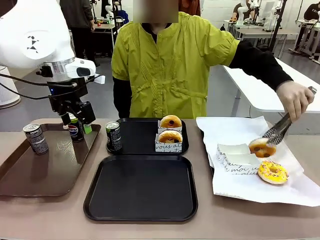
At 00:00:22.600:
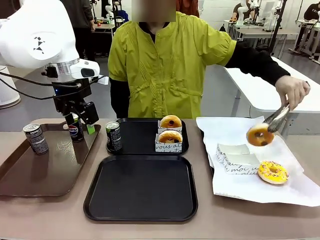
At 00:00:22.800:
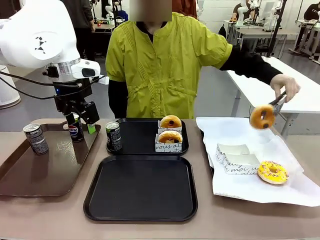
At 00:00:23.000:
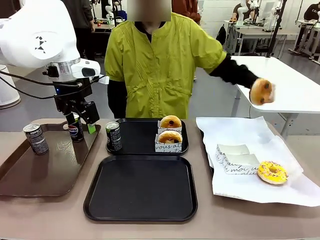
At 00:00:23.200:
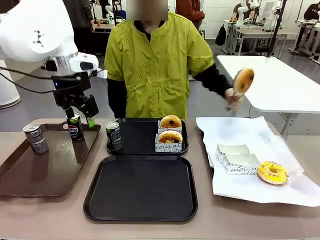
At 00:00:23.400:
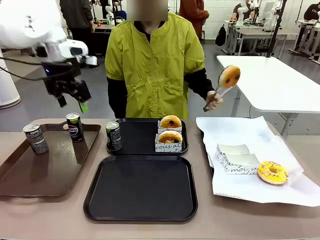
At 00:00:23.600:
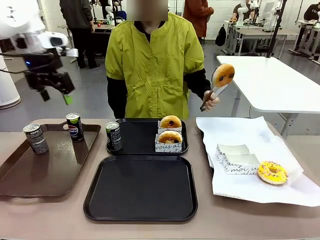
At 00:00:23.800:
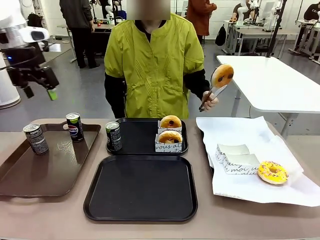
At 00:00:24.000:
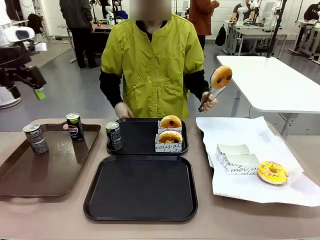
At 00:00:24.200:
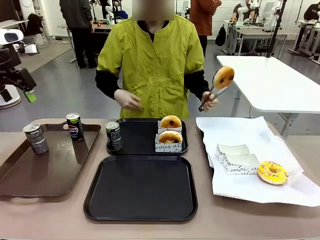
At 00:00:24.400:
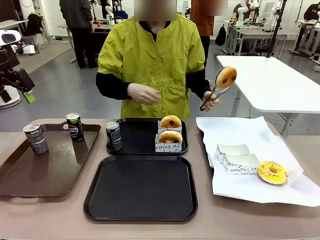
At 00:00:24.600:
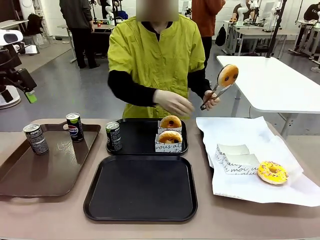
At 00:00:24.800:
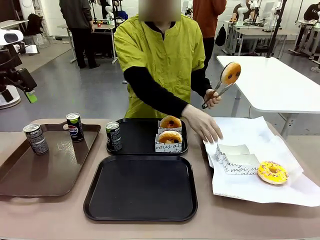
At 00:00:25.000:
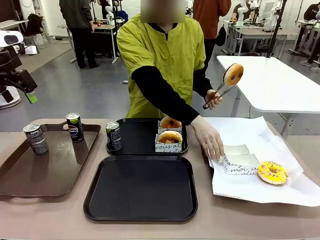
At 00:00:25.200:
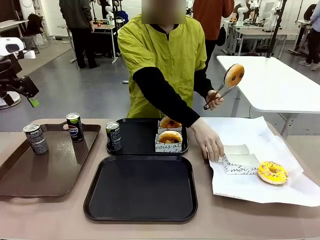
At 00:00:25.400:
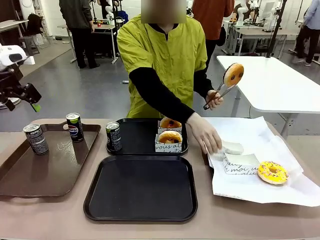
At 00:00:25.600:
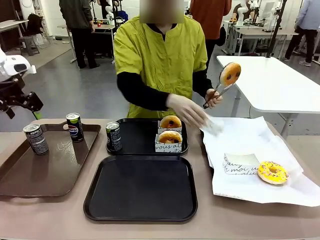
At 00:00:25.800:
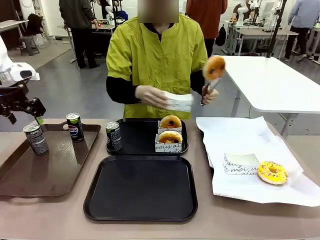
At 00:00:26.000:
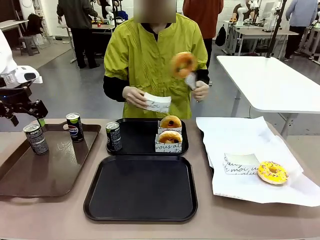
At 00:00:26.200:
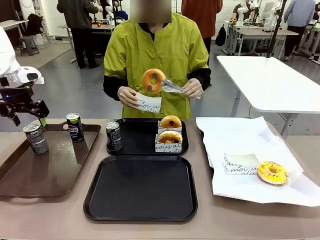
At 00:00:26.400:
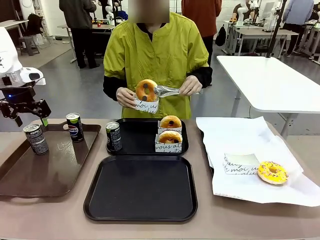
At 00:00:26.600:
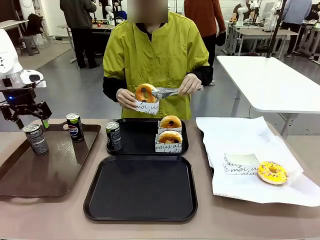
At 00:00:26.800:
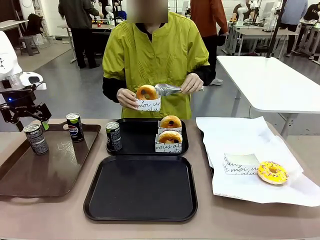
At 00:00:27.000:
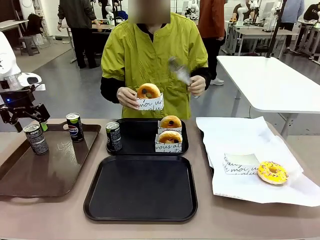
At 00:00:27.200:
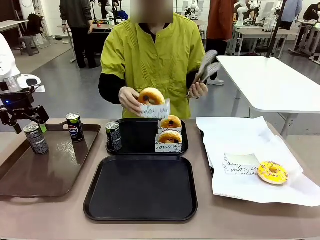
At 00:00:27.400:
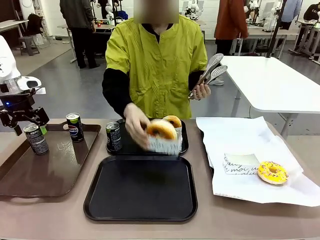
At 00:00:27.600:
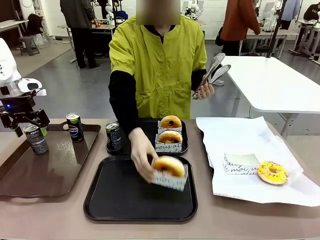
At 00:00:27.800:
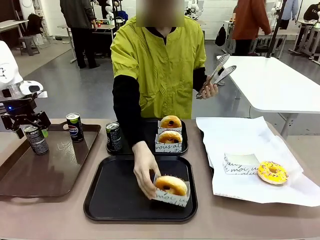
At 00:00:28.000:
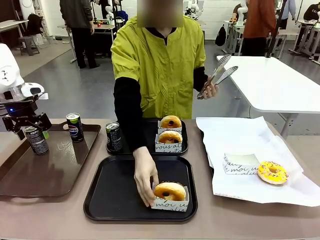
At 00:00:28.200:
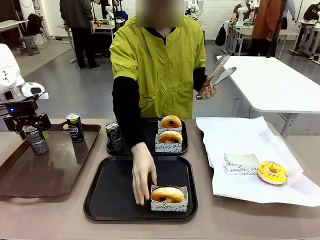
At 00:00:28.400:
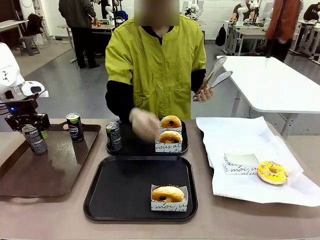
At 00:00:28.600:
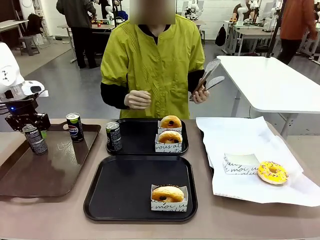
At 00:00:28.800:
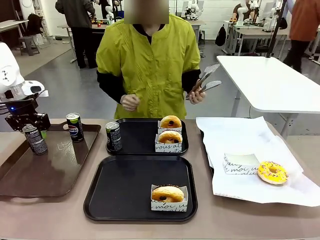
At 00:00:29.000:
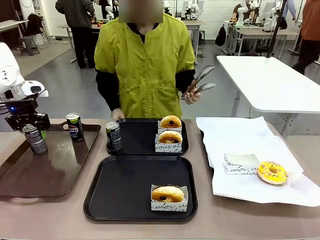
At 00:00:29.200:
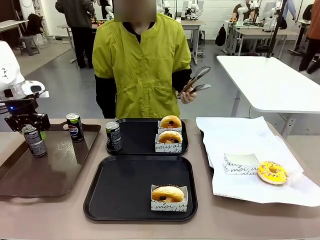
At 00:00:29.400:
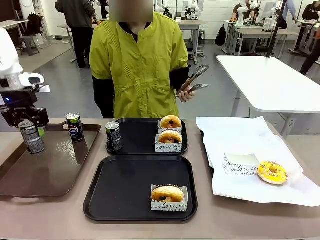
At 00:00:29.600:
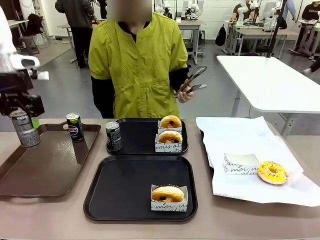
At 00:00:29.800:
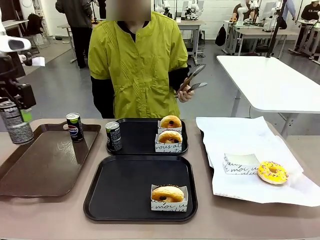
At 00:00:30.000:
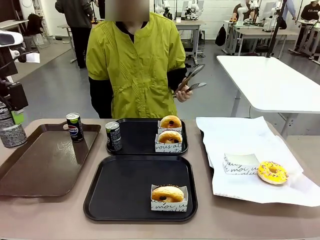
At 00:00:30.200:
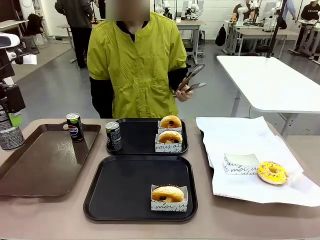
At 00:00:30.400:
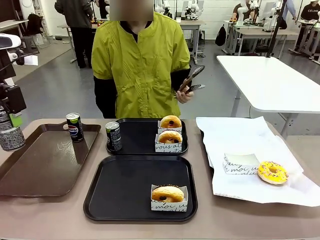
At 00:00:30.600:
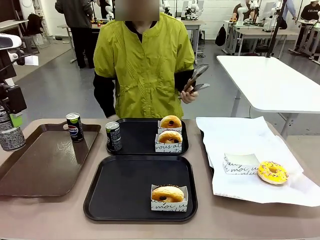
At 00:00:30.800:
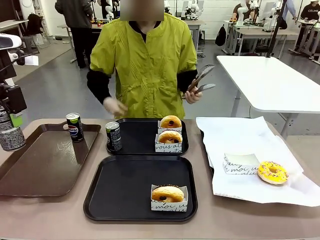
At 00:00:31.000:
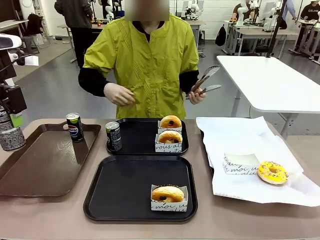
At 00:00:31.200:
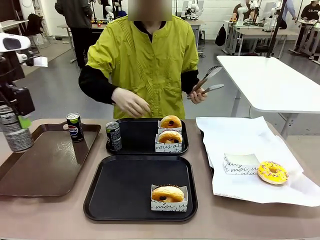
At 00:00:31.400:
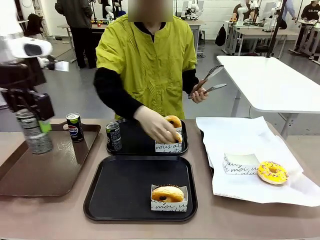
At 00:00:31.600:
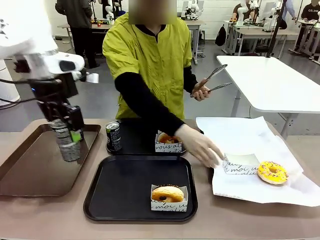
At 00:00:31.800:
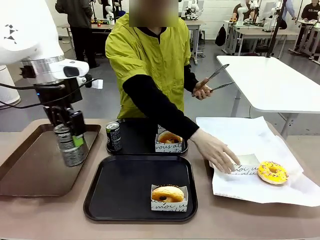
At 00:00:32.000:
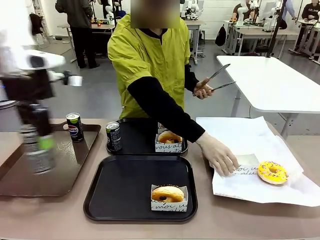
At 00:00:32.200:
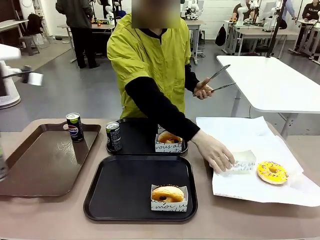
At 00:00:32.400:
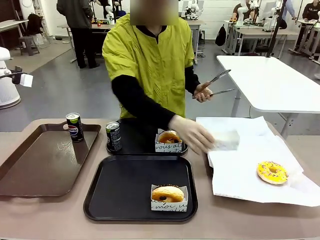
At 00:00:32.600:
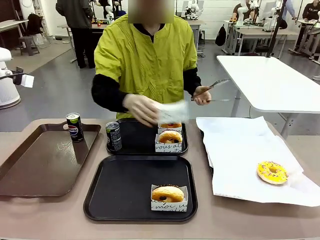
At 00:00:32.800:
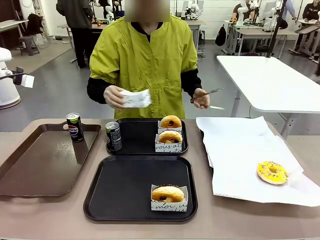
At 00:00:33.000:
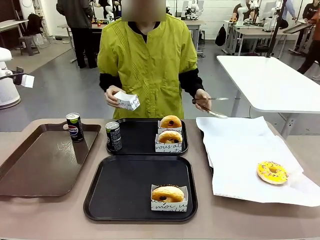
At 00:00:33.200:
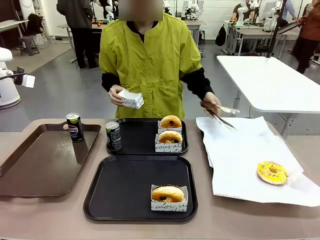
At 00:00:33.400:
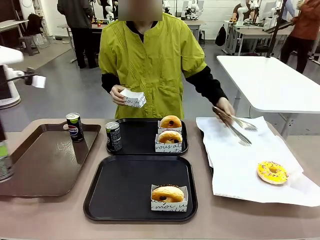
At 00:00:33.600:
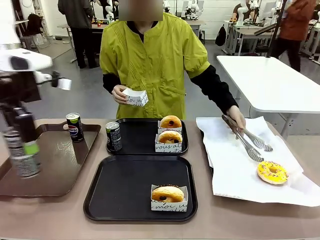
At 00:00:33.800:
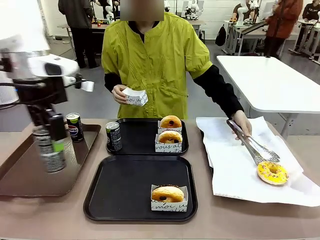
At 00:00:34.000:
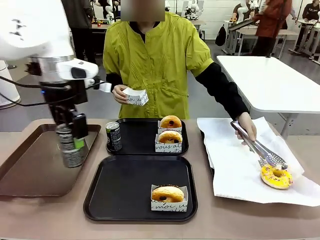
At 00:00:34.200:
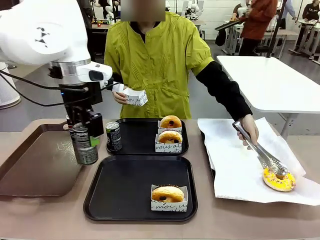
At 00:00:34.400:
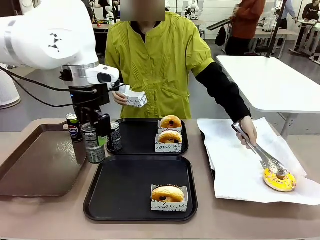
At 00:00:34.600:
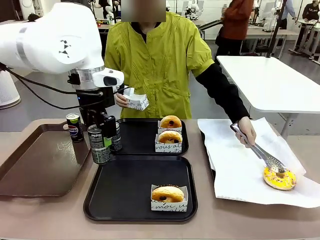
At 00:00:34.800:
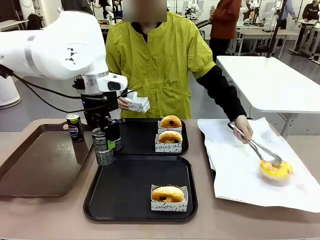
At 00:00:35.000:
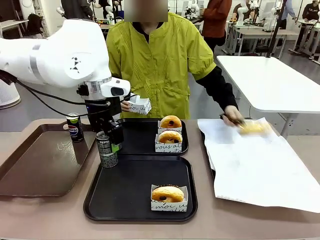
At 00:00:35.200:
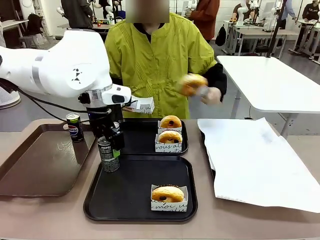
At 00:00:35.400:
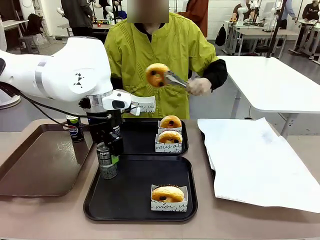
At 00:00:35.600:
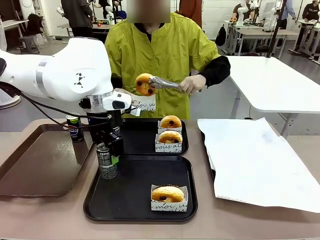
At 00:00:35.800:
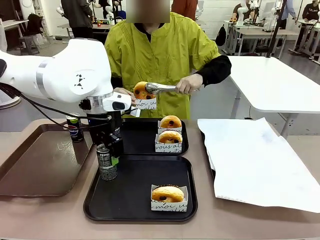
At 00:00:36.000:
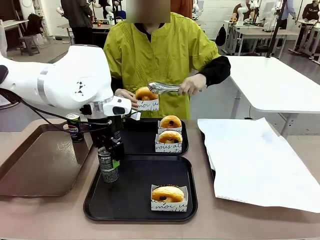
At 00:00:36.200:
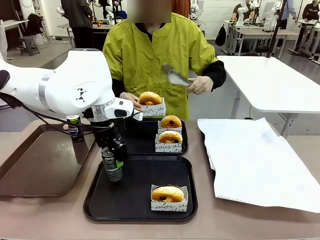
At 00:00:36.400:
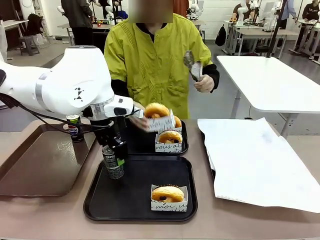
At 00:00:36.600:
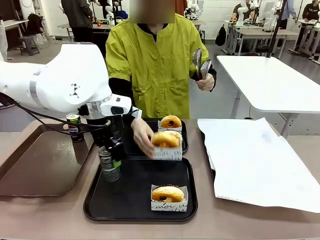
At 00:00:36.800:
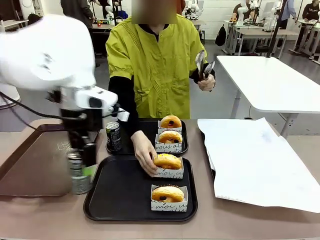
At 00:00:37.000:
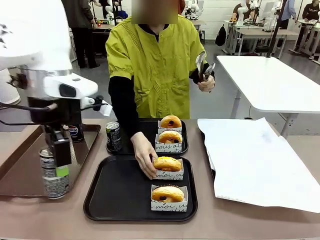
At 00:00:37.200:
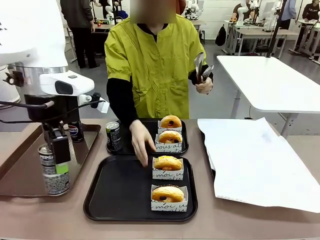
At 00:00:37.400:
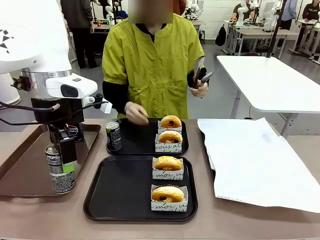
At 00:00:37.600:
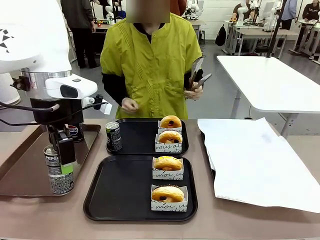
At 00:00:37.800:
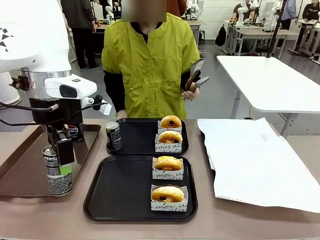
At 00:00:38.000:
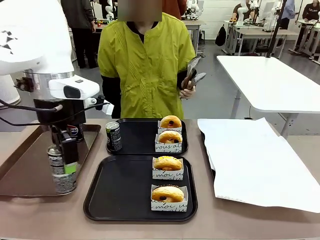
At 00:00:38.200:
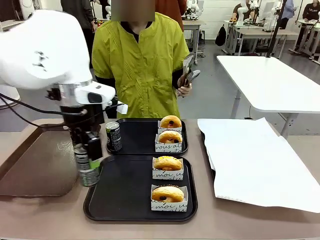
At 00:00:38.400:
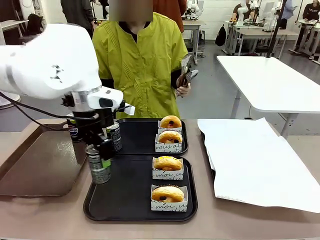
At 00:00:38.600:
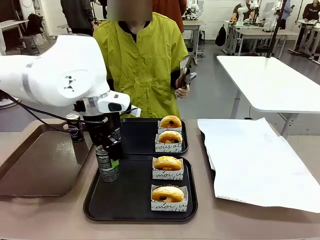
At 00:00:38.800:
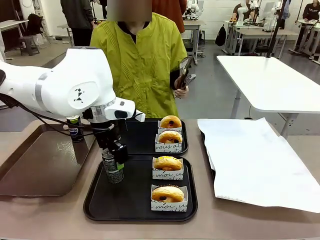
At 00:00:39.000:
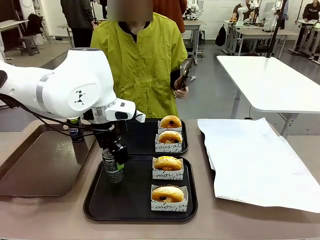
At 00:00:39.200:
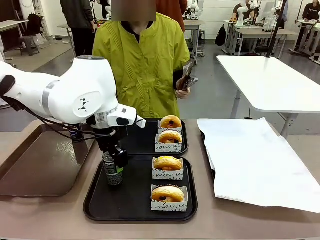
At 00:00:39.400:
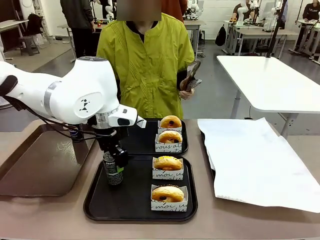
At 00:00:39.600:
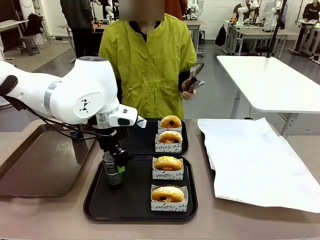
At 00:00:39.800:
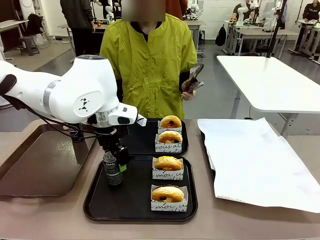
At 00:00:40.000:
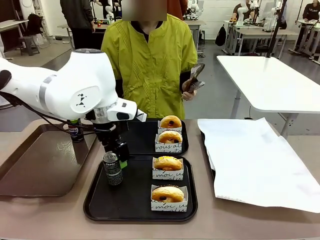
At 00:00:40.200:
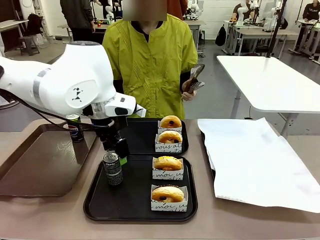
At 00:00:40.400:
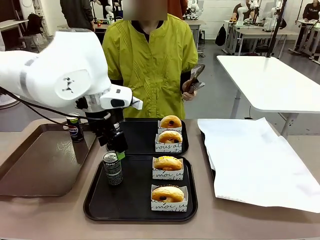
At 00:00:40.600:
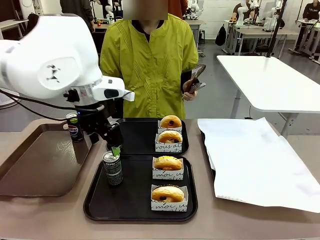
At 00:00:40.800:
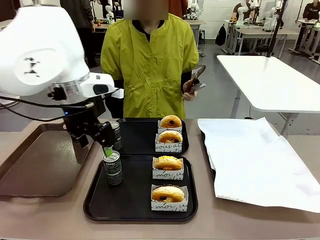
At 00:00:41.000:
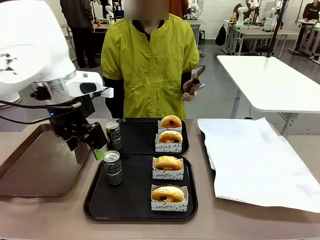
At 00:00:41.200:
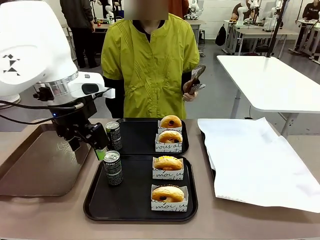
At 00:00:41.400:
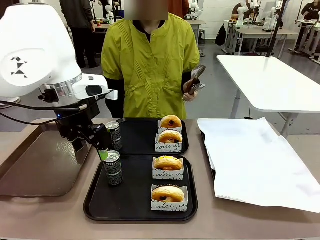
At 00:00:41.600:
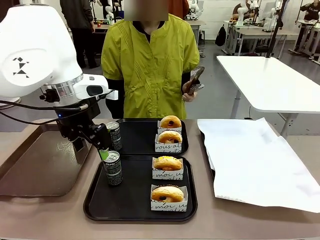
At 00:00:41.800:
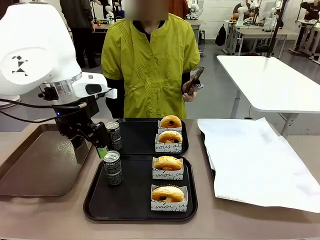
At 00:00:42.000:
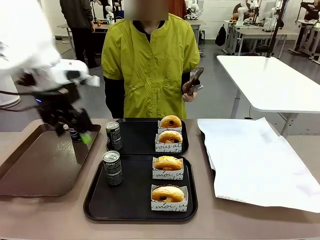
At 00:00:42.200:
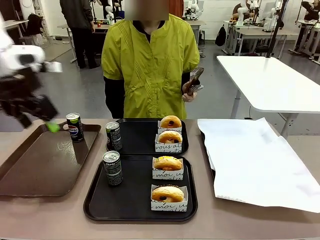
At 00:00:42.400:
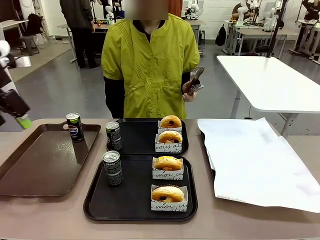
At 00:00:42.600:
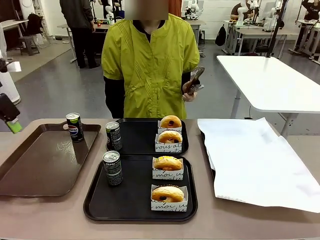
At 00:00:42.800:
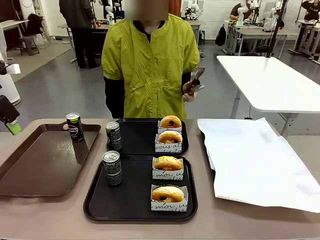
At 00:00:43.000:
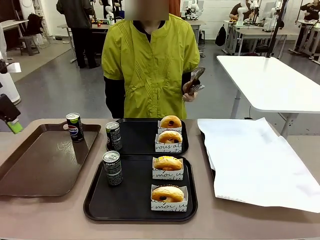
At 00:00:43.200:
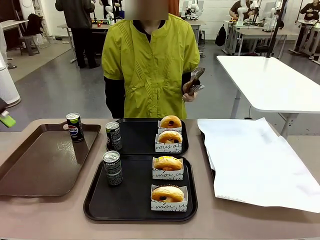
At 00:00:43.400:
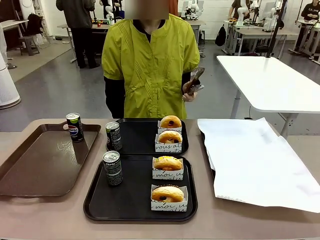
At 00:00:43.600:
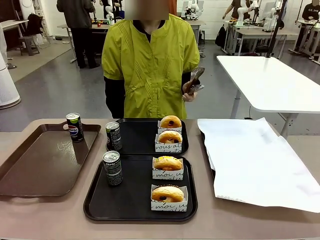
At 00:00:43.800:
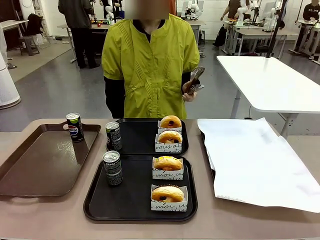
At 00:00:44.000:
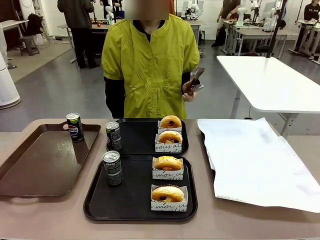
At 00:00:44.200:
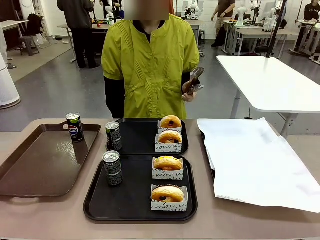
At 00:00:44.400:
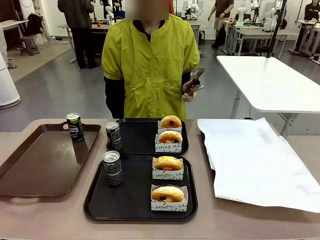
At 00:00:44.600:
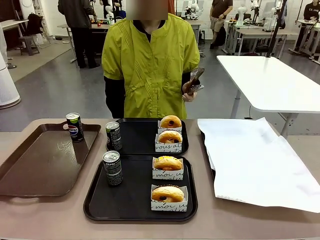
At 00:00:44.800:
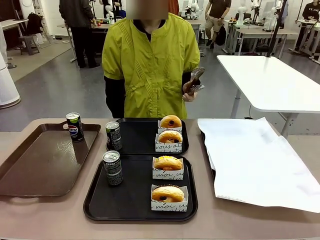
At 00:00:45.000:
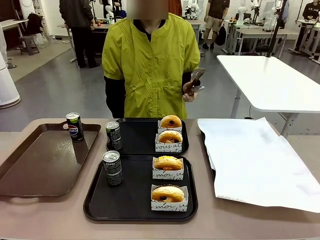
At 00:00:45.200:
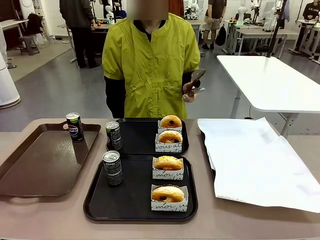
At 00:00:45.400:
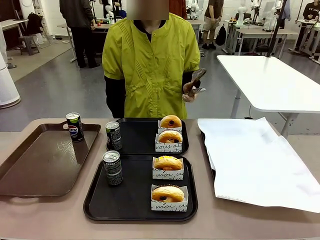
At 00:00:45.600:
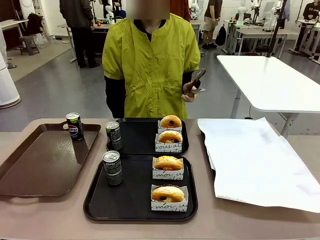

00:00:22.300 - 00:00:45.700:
Task: Set up donuts and drinks on trays.
Robot: Pick up one Pepsi coke from the Handle tray and place it on the Flat Tray without a Pepsi coke.
Person: Pick up one donut with tongs, place it in the donut tray, and then place the donut tray on the flat tray.
